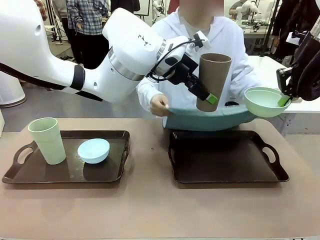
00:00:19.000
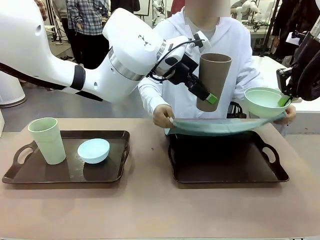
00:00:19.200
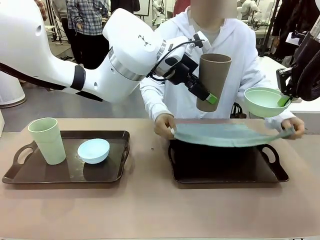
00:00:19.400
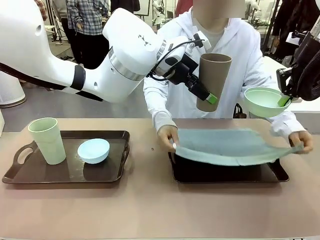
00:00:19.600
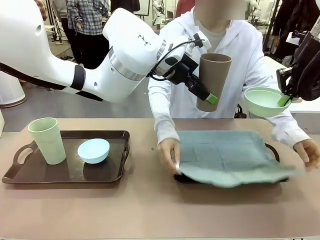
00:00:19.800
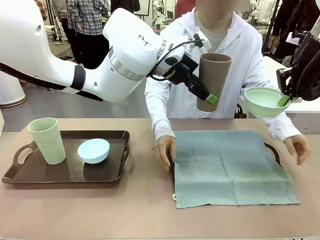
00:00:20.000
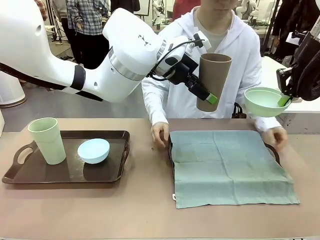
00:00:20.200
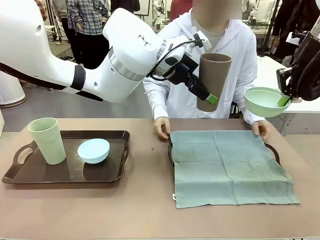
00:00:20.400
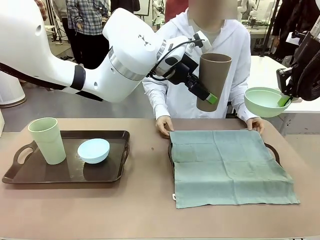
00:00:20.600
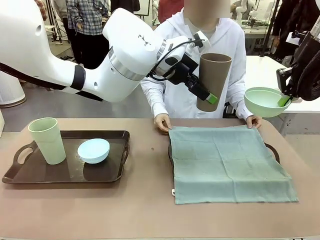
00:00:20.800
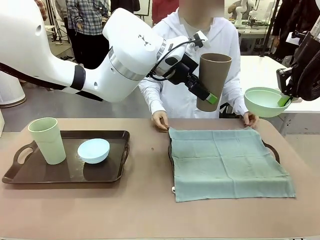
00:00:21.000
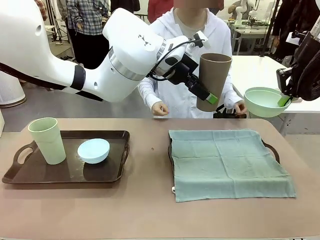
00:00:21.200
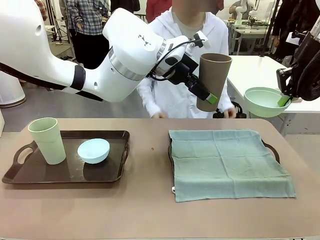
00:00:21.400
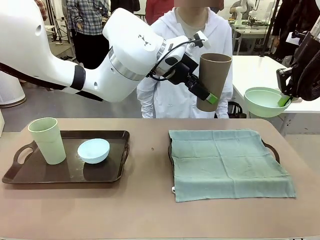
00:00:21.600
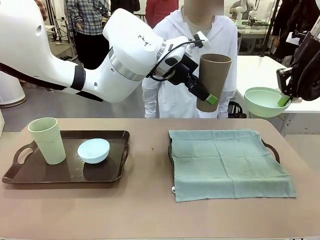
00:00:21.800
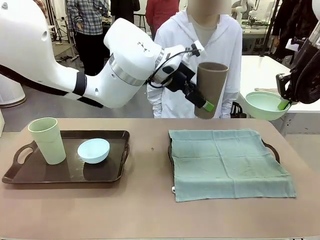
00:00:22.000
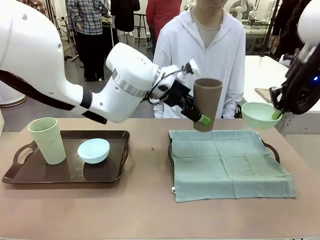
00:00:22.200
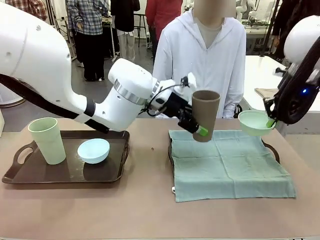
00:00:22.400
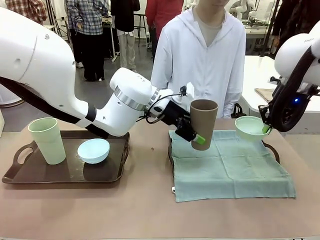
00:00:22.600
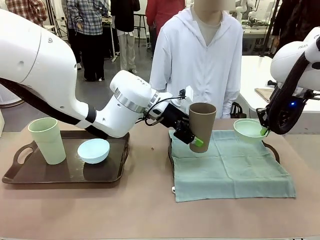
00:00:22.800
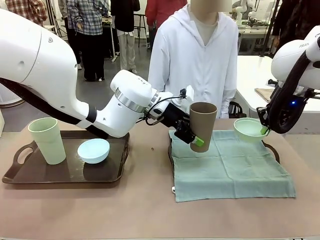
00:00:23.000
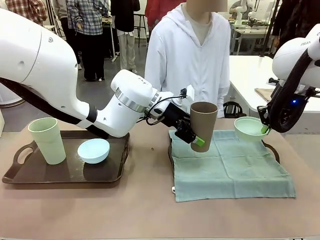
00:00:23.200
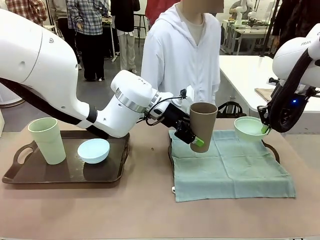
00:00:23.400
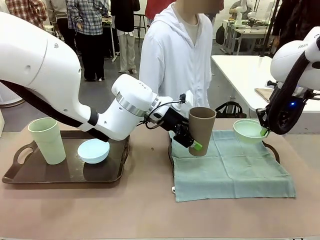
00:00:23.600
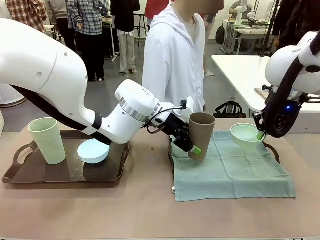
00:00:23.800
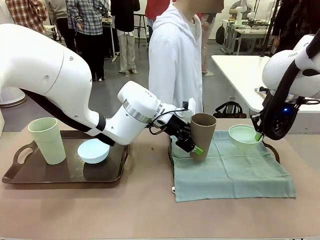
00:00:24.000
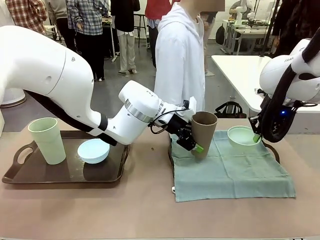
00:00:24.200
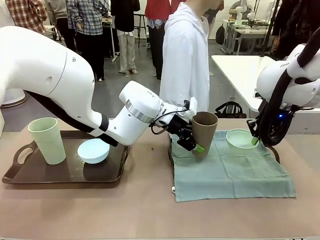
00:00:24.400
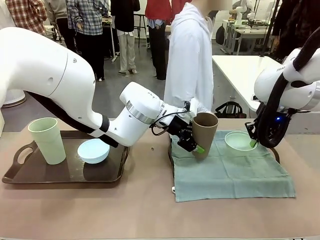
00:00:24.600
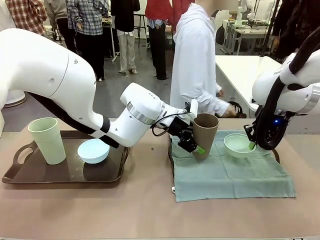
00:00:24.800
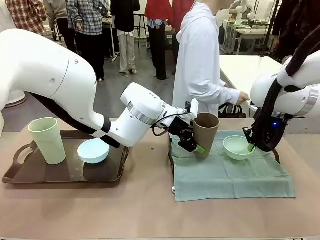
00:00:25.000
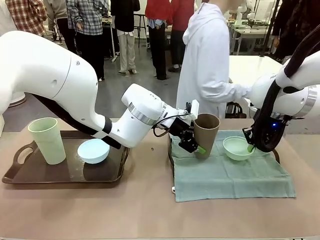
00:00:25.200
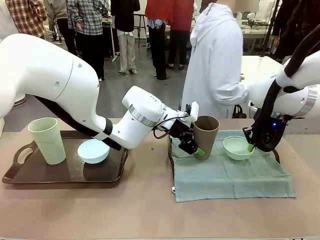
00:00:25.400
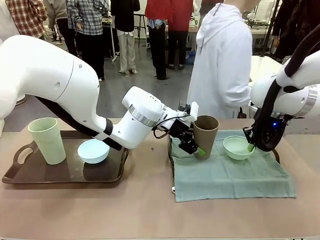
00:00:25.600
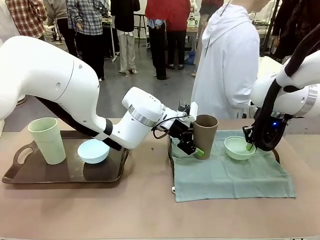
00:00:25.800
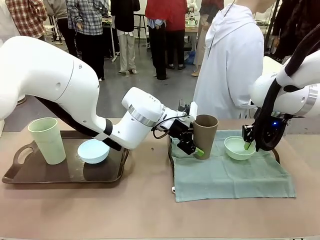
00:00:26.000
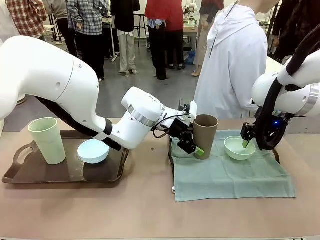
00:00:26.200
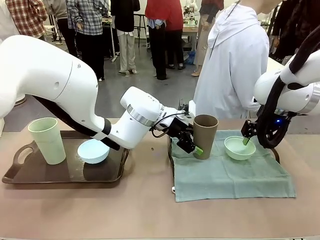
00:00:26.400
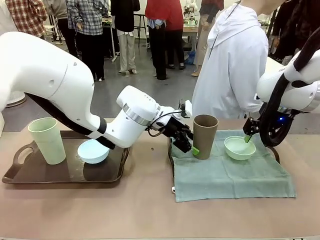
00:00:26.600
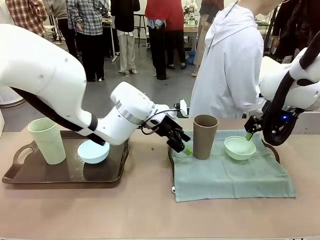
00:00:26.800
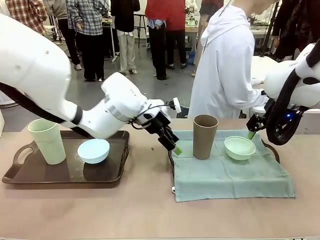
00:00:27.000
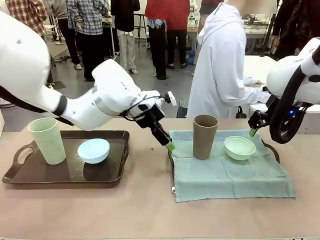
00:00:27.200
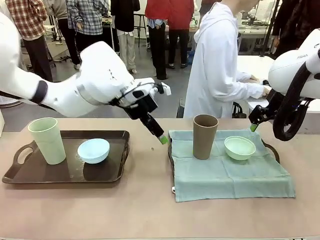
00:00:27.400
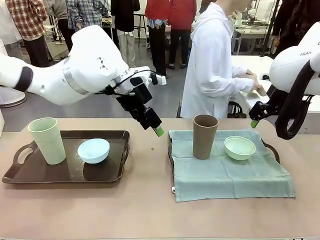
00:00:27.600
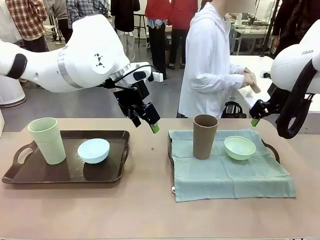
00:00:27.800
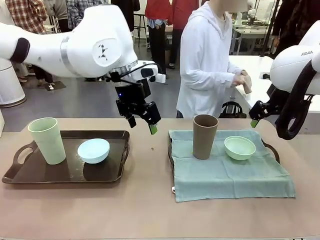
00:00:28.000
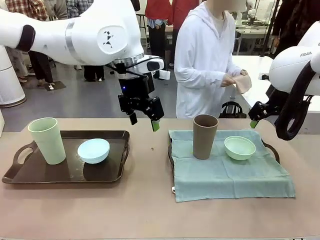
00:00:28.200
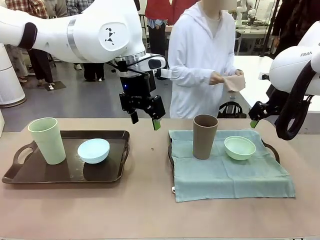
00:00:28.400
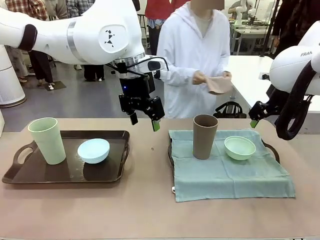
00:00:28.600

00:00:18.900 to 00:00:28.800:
Robot: Place the Picnic Bowl and Reusable plastic cup back onto the Handle tray in front of the human's position.
Person: The human returns to the human table to pick up another napkin and walks to the robot table to stand in front of the tray without a napkin.

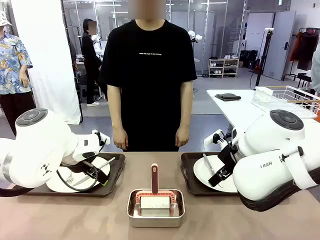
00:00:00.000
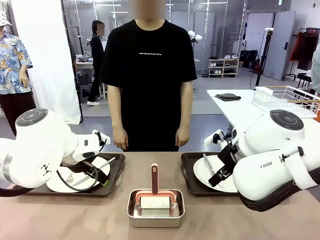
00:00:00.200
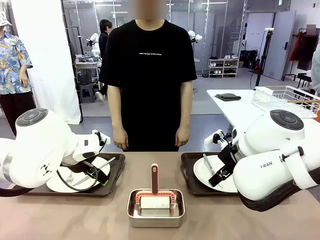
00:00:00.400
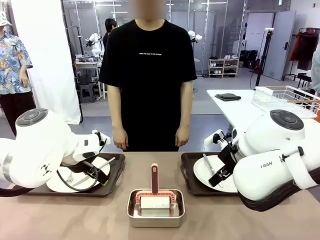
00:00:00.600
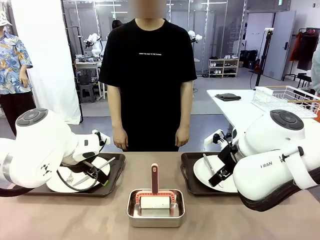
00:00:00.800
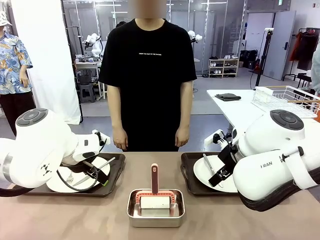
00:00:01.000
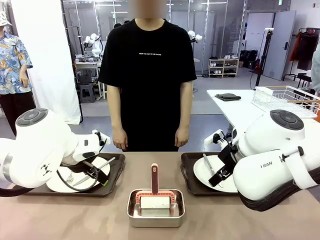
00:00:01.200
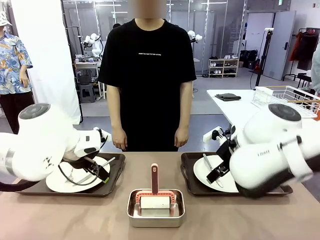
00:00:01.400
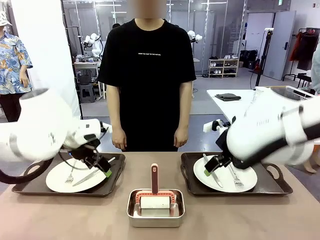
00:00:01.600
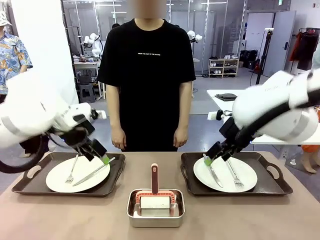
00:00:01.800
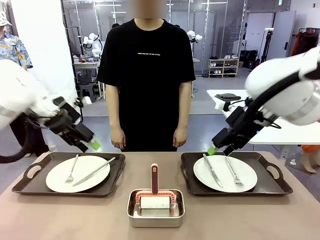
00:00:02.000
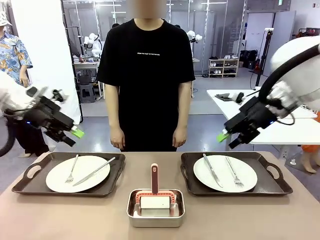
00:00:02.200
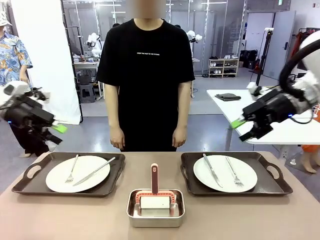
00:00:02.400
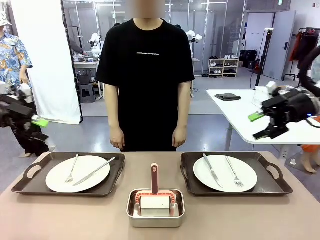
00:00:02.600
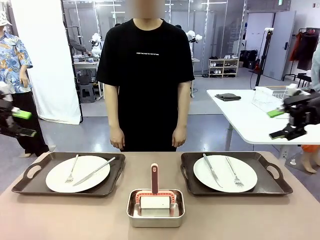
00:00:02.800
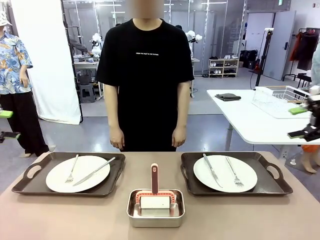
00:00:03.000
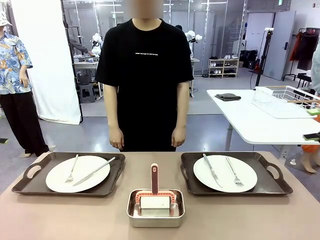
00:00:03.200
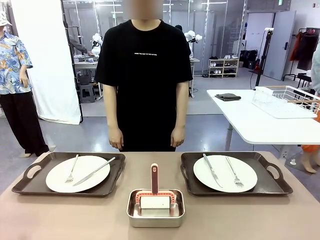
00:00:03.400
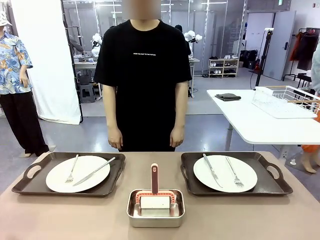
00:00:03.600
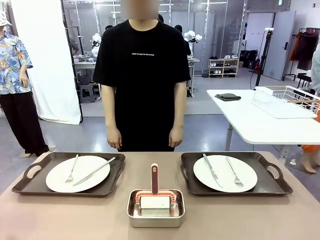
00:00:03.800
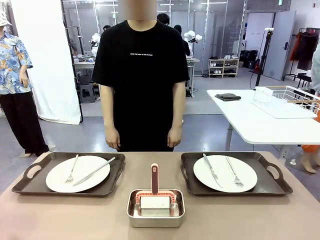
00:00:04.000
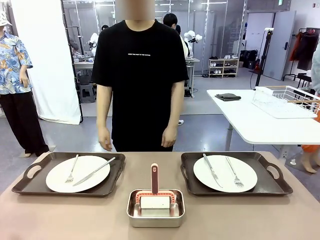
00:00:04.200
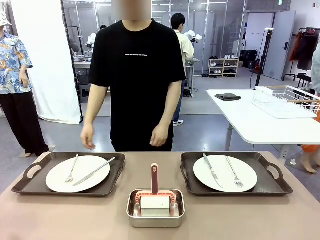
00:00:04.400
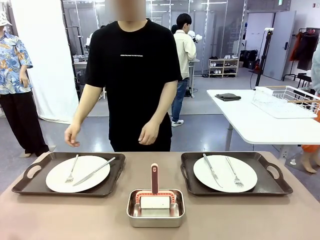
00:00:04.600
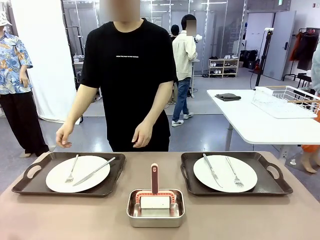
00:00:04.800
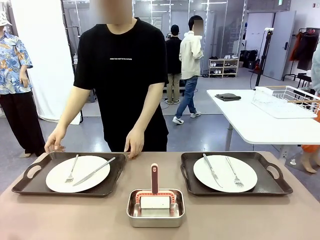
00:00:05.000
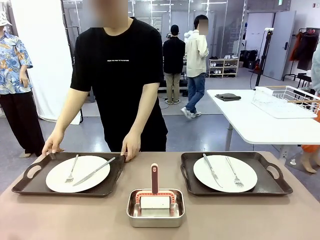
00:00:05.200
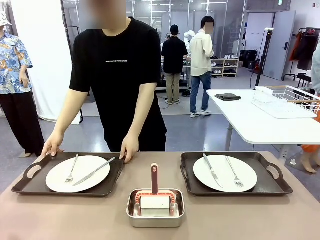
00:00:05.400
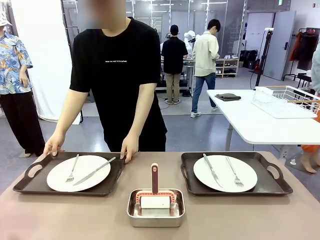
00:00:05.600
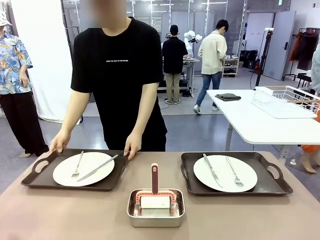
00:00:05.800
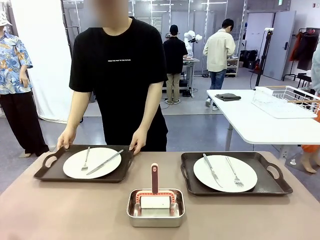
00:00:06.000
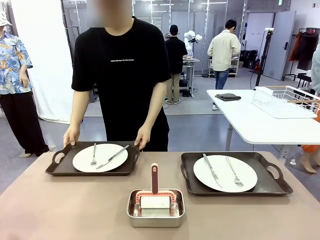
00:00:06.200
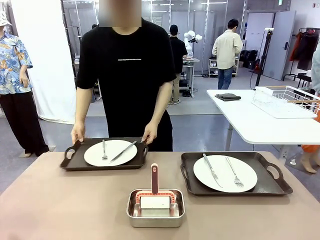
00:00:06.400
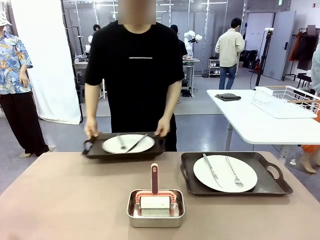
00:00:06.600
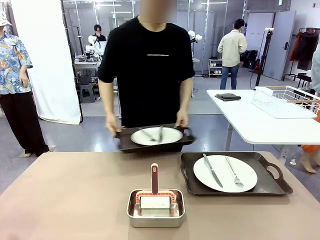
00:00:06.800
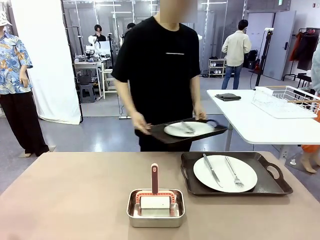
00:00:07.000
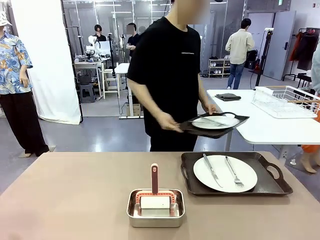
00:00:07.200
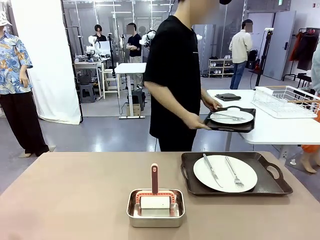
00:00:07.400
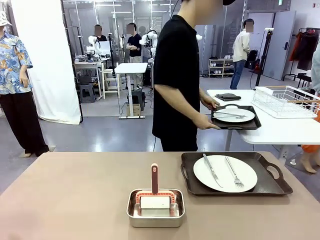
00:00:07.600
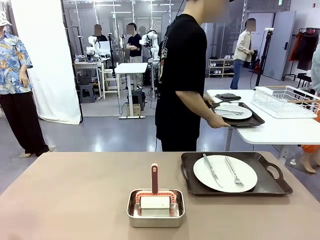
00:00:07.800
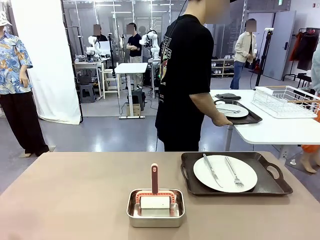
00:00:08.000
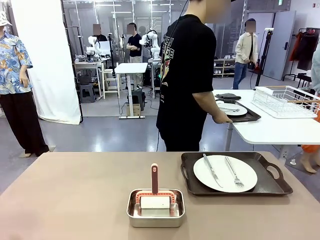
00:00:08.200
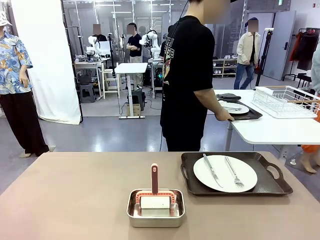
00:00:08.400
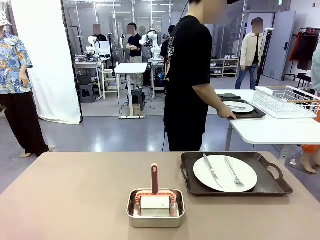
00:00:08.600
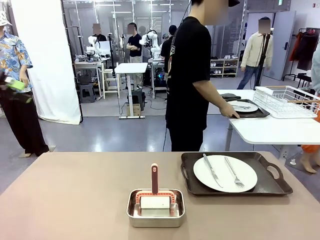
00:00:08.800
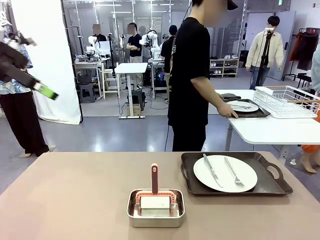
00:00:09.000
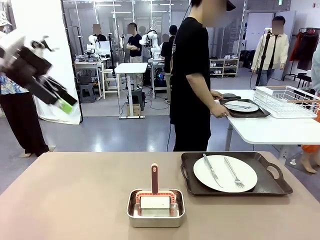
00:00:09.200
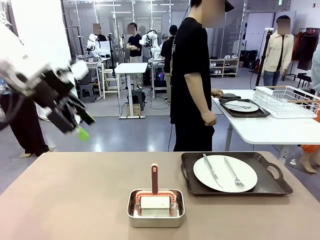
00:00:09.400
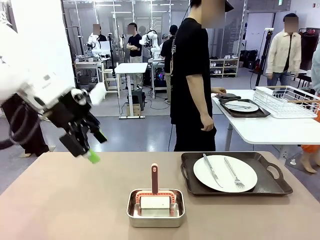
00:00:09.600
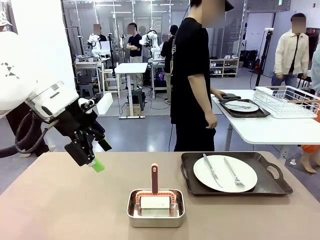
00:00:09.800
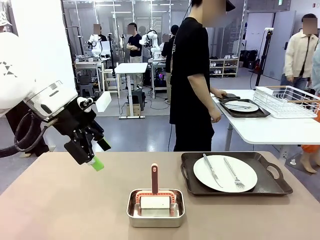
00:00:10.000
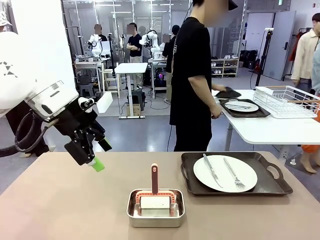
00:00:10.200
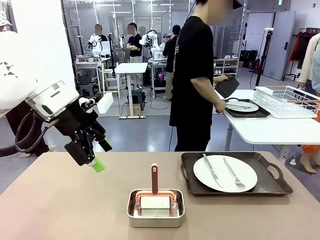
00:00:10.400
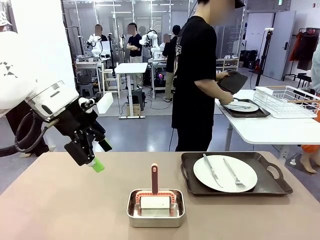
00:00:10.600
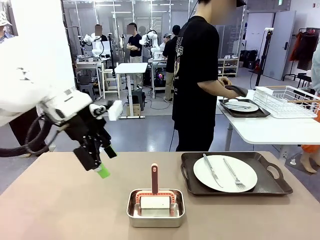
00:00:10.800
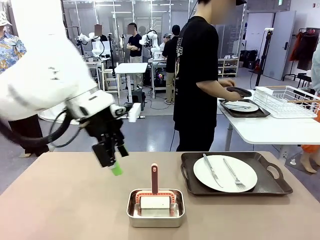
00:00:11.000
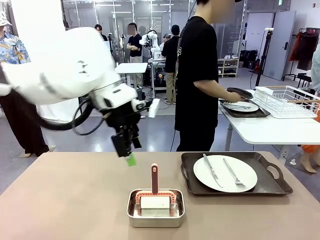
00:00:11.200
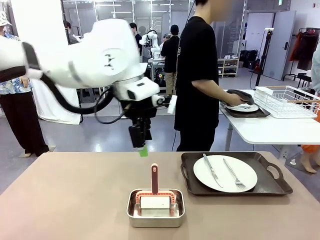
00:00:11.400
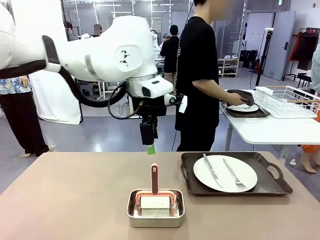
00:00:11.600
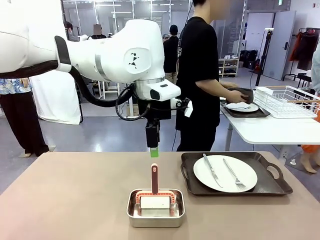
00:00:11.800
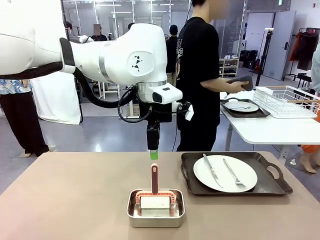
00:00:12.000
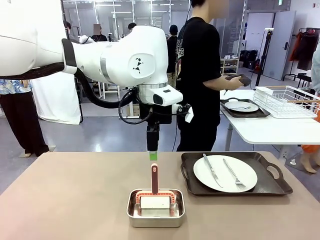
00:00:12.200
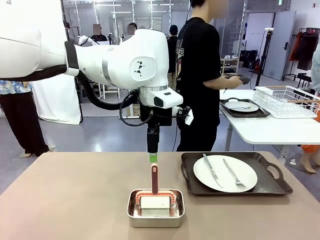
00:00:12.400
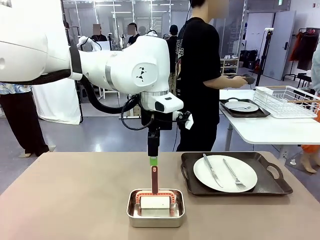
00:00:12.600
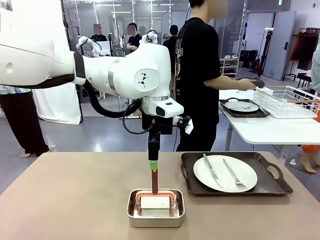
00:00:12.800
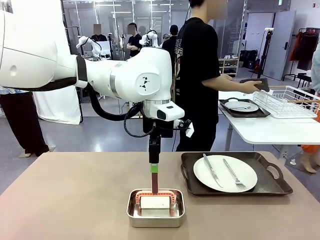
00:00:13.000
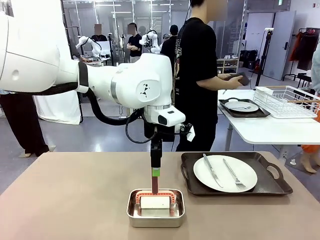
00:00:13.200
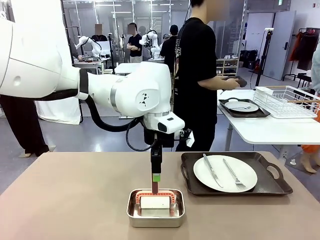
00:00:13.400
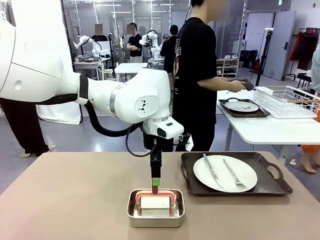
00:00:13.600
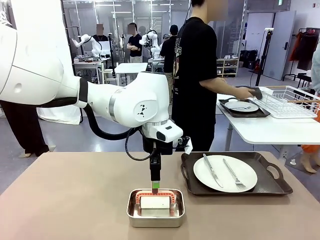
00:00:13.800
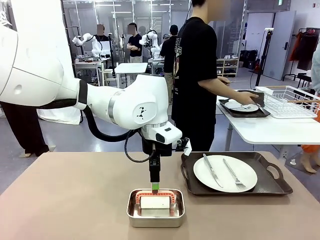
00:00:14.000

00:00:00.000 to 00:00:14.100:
Robot: When the left (or right) Handle tray is removed, use the left hand (or right hand) to clean the left (or right) side of the table with the Lint Roller.
Person: Pick up the left (or right) Handle tray and place it on the middle of the Human's table.
